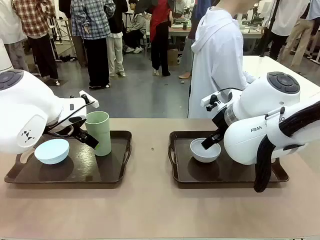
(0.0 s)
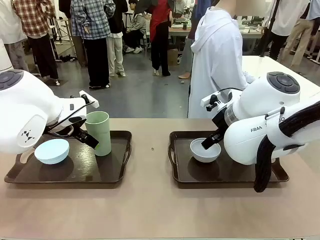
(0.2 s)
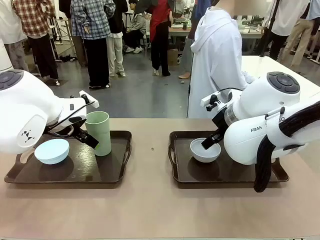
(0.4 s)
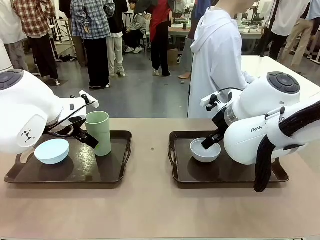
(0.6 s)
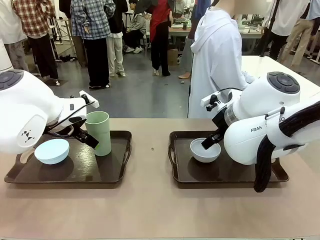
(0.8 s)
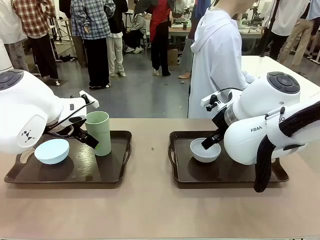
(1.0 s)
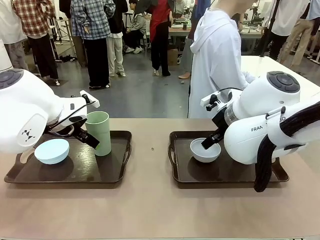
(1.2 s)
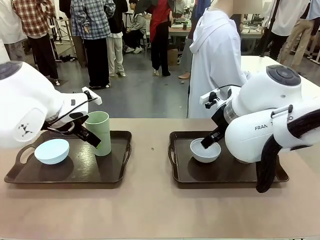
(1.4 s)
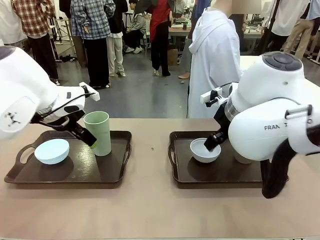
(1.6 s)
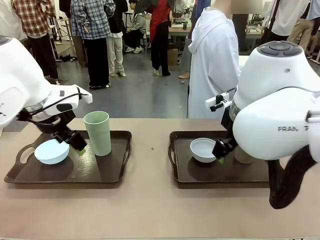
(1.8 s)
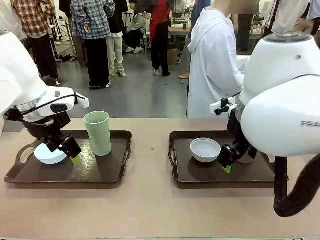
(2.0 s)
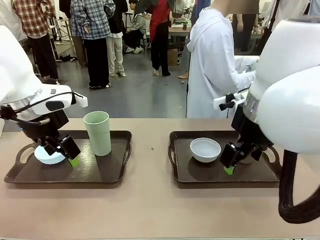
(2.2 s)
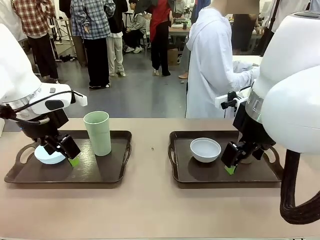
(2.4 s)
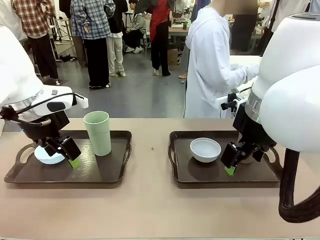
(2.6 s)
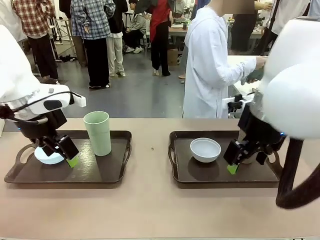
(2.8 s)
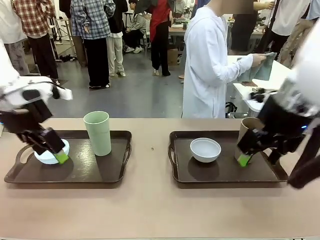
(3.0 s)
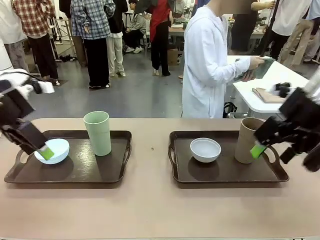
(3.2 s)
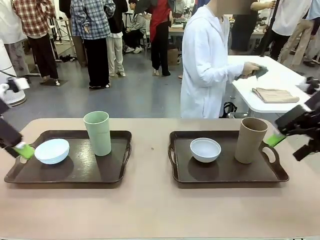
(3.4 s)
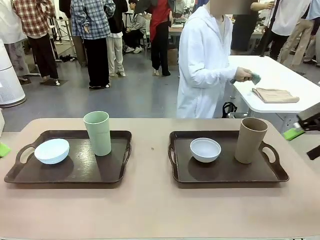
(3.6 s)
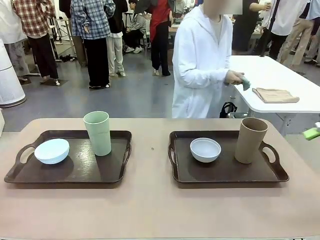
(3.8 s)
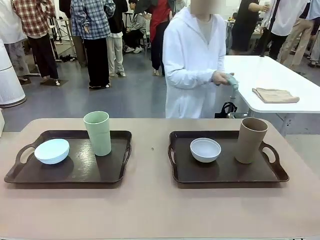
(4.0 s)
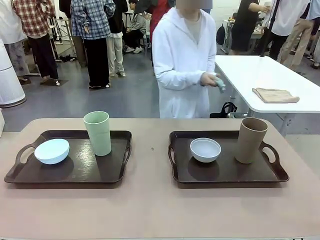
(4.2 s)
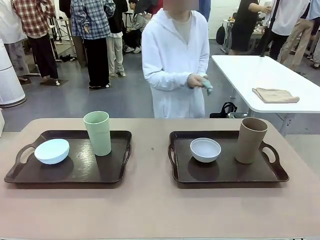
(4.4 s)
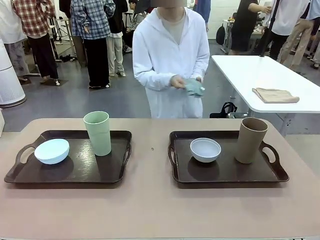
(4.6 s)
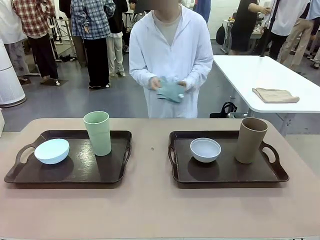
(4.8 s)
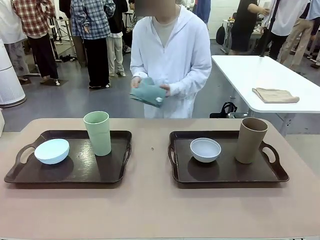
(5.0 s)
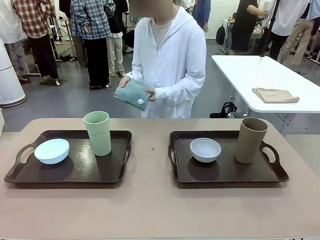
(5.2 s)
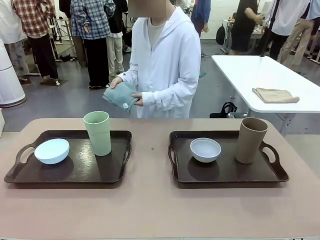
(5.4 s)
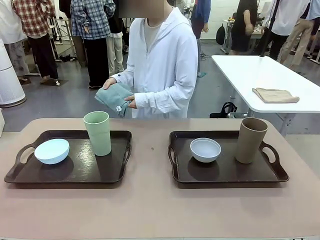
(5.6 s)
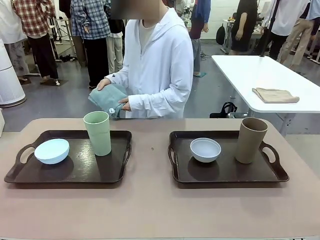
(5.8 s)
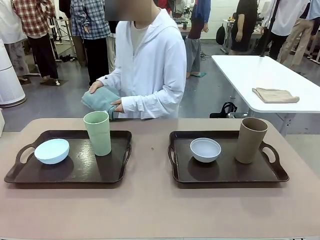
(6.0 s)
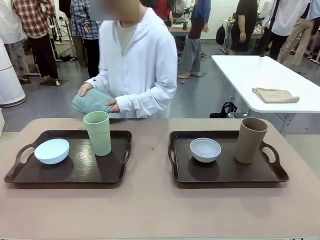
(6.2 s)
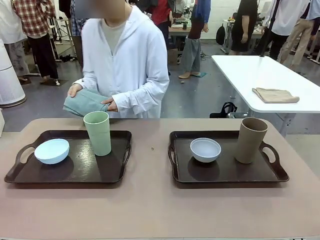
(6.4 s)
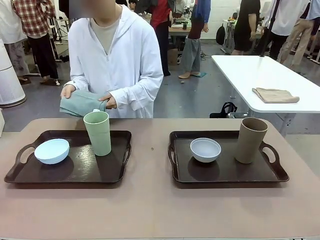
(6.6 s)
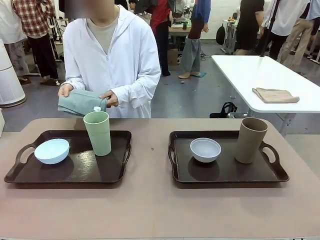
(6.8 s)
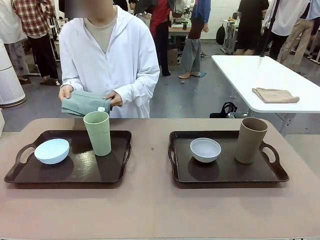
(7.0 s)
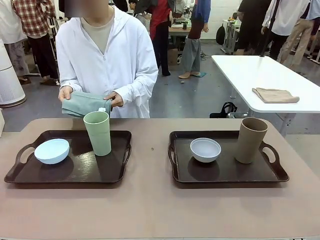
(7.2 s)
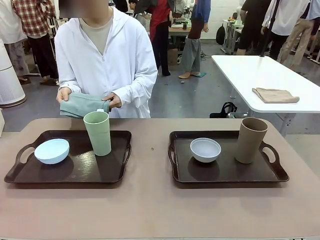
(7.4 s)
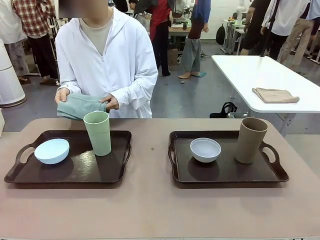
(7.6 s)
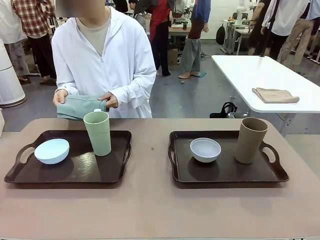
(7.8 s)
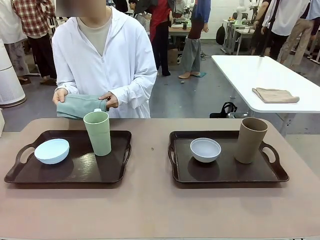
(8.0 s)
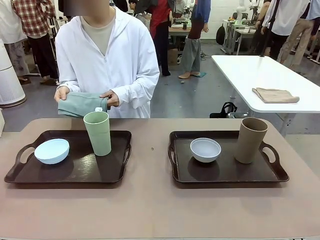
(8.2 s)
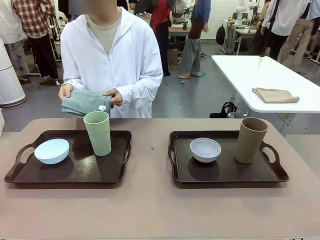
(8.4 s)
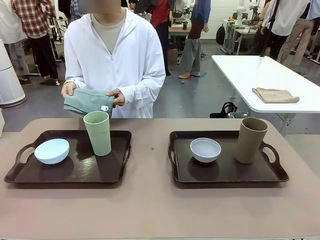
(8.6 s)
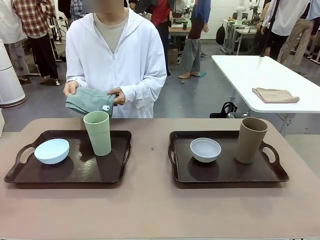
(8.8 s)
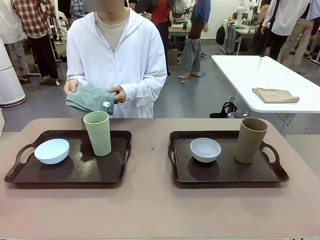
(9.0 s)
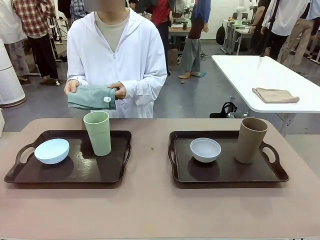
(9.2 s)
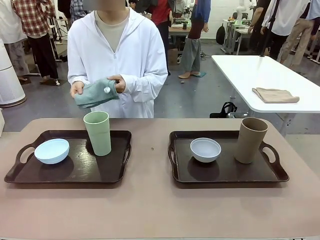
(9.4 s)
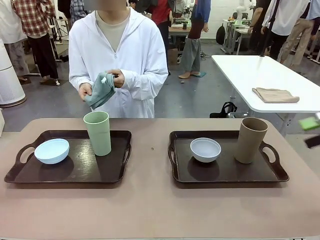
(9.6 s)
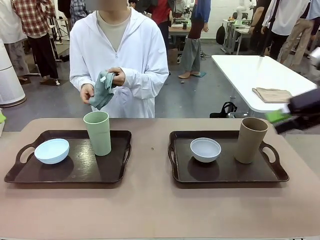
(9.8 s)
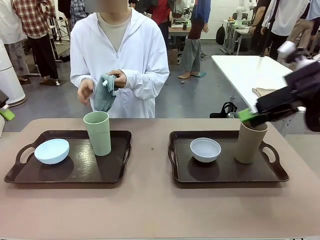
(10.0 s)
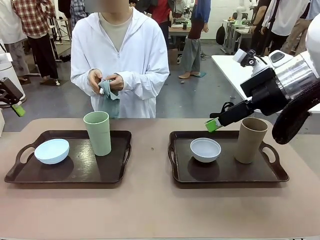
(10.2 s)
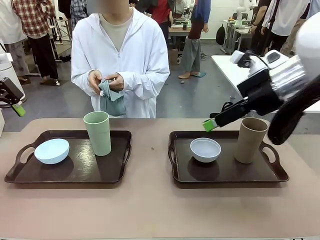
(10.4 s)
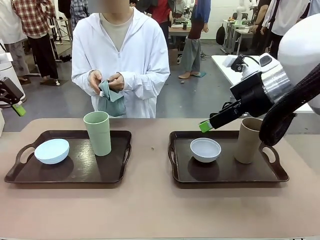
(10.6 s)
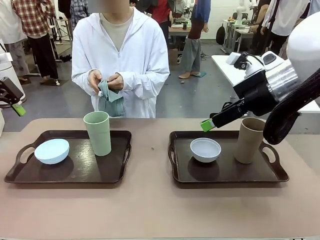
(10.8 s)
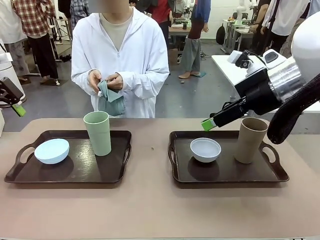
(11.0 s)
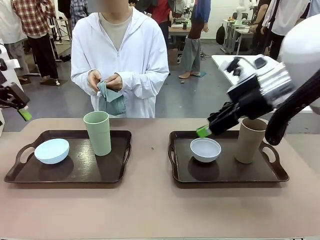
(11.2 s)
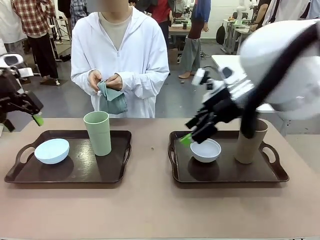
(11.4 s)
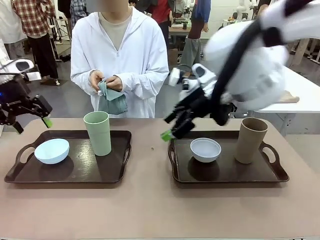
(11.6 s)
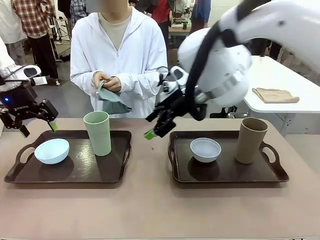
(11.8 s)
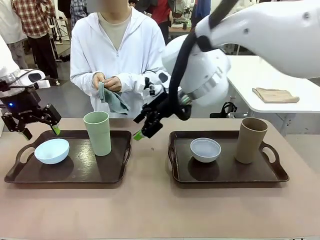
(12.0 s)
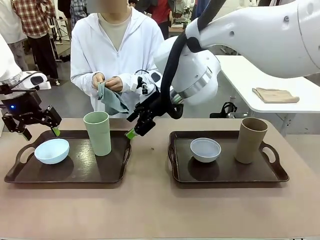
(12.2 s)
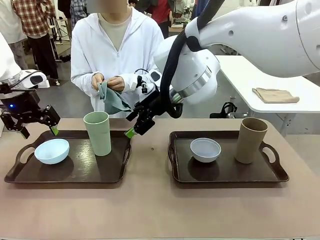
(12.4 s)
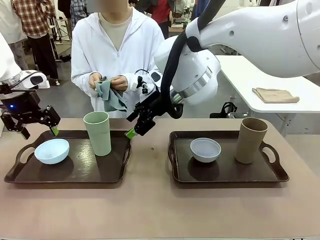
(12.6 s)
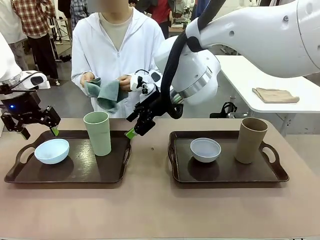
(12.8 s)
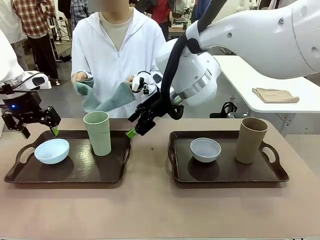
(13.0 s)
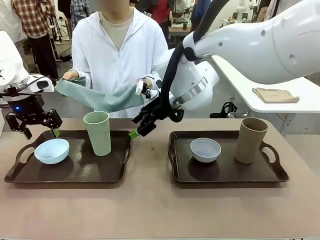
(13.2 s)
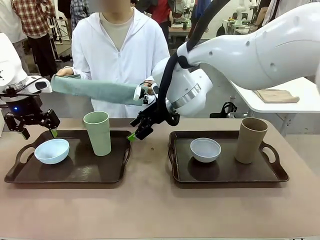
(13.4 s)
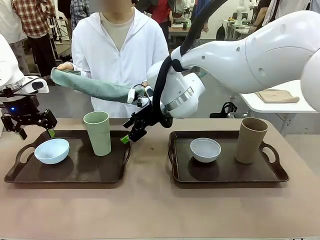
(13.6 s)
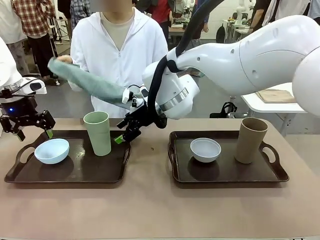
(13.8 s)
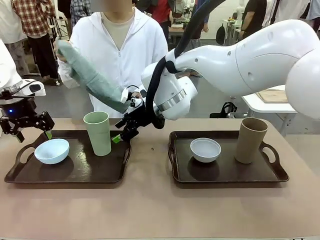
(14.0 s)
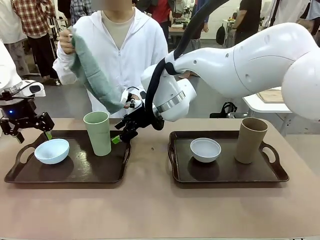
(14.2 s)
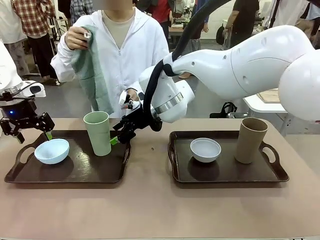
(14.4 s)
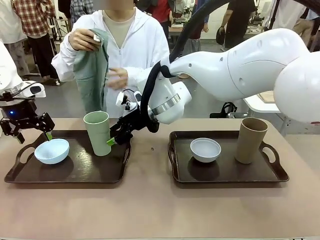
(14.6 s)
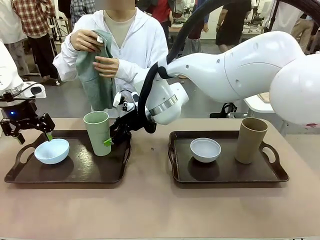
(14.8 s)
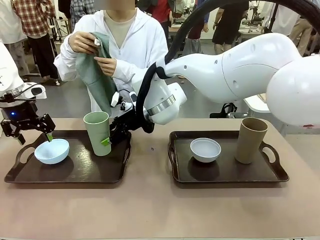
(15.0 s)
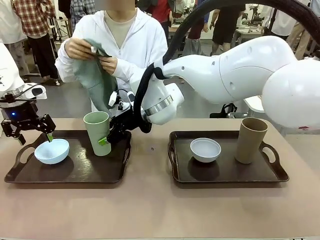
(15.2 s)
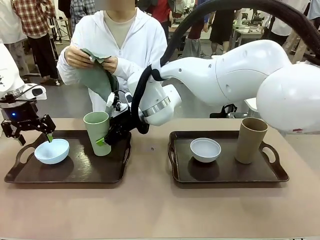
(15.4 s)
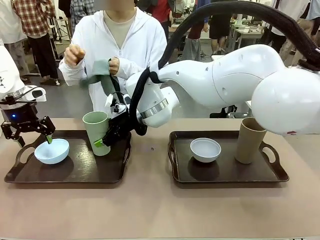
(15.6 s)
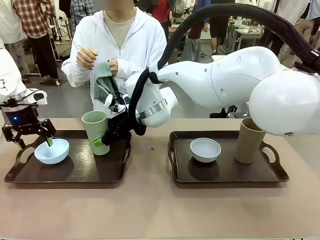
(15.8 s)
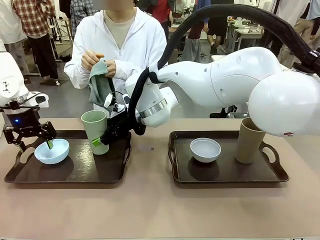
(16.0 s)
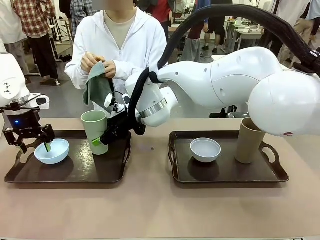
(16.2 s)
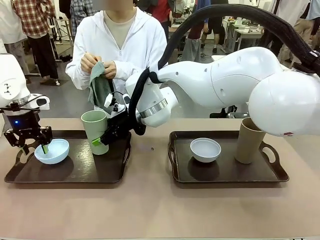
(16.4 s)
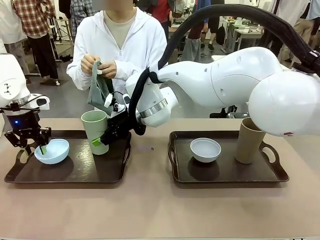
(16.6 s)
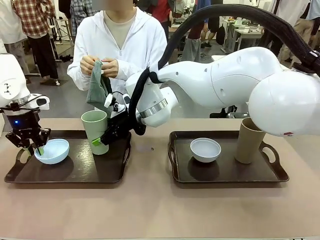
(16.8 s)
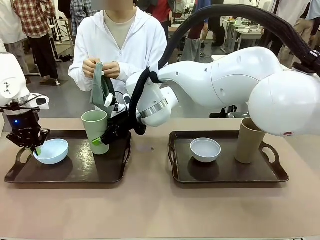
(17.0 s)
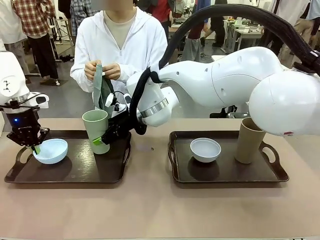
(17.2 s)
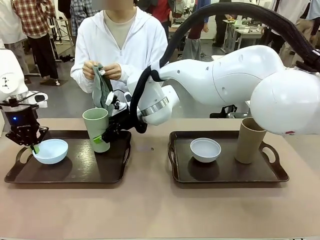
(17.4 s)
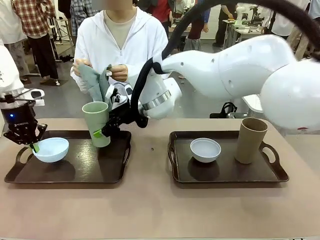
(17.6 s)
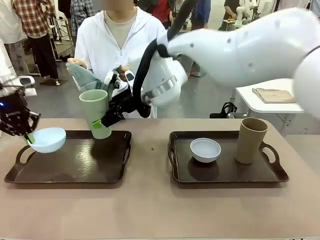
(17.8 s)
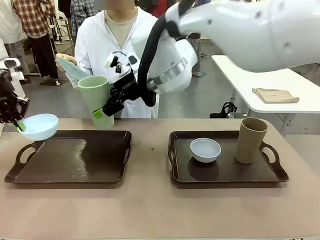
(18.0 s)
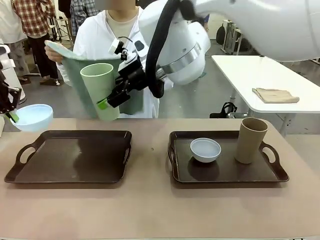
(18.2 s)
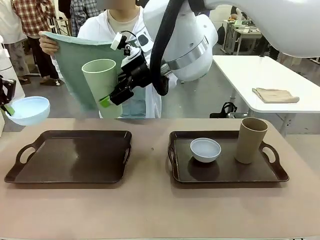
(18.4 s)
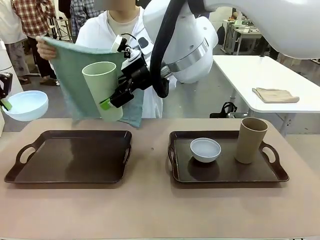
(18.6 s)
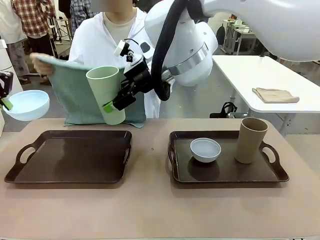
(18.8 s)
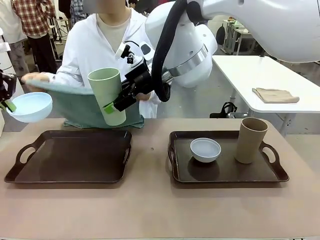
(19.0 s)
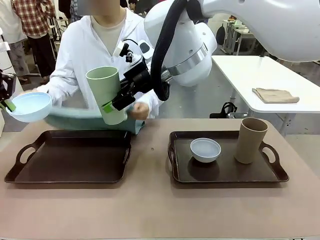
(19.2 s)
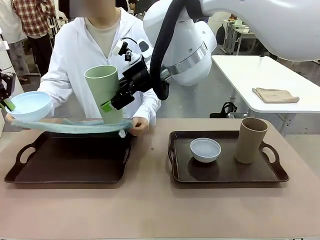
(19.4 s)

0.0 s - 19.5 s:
Robot: Pick up the Picnic Bowl and Reusable plastic cup from the Handle tray in front of the human's position and hold them in the air.
Person: The human picks up the top napkin from the stack on the human table and walks to the robot table to stand in front of one of the two trays. When the robot lifts the bowl and the cup, the human unfolds the napkin and lays the napkin flat on the tray.
